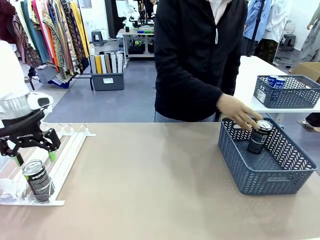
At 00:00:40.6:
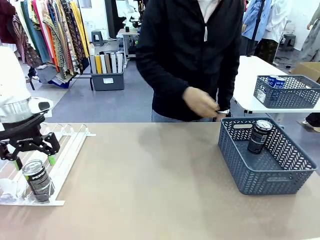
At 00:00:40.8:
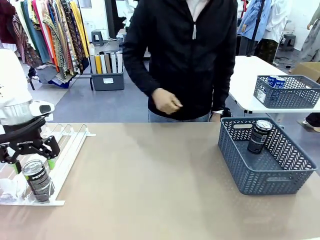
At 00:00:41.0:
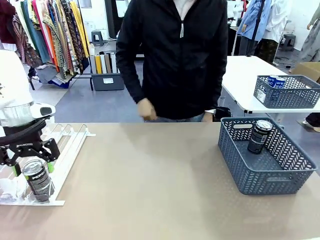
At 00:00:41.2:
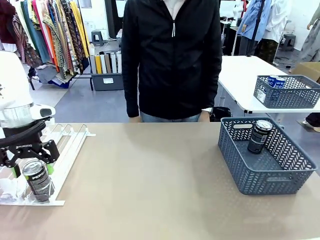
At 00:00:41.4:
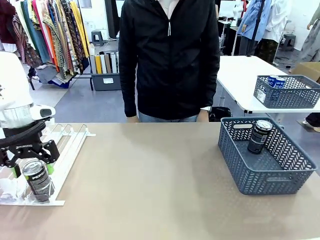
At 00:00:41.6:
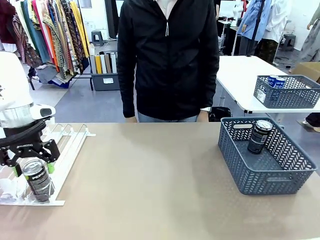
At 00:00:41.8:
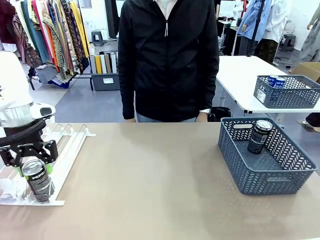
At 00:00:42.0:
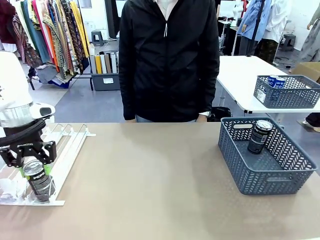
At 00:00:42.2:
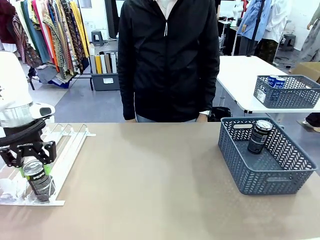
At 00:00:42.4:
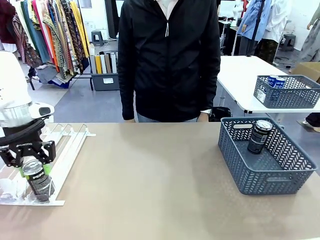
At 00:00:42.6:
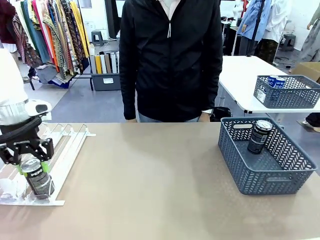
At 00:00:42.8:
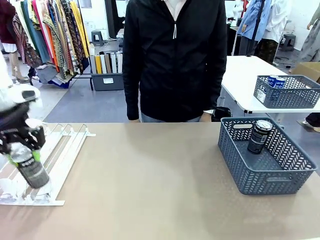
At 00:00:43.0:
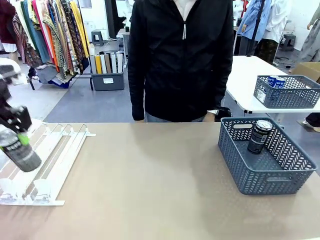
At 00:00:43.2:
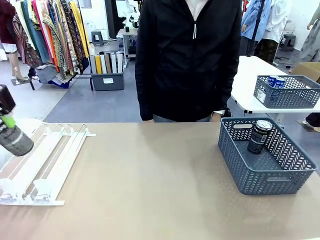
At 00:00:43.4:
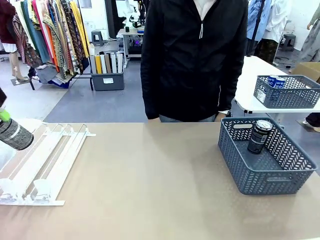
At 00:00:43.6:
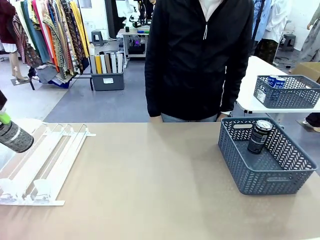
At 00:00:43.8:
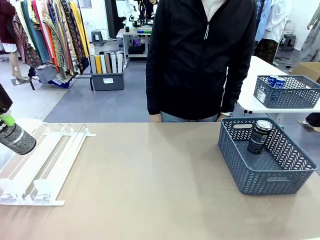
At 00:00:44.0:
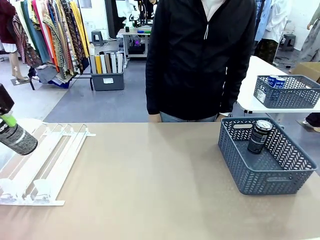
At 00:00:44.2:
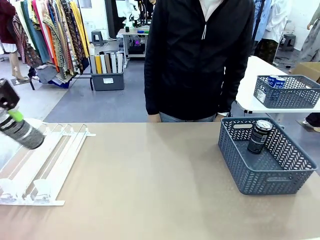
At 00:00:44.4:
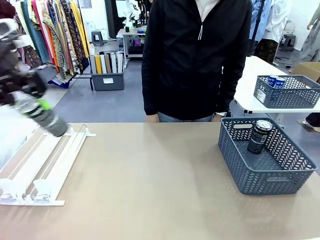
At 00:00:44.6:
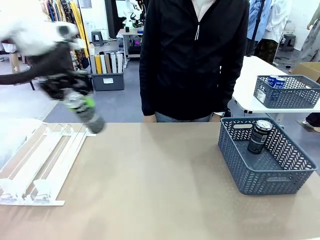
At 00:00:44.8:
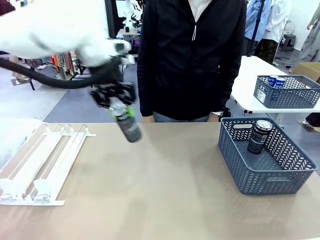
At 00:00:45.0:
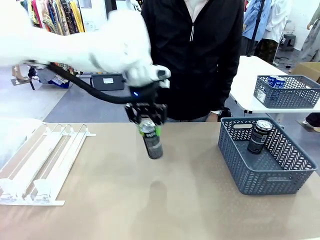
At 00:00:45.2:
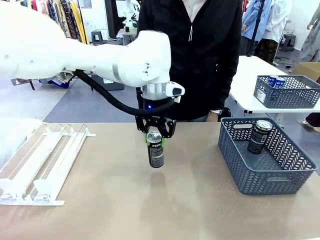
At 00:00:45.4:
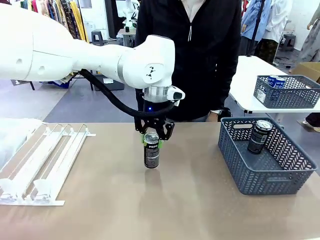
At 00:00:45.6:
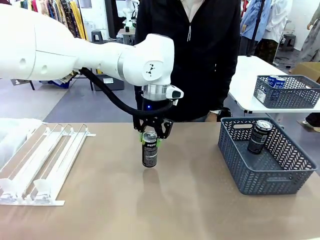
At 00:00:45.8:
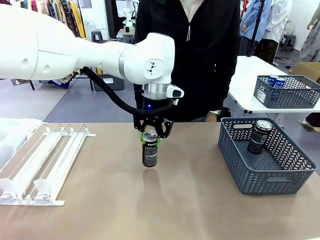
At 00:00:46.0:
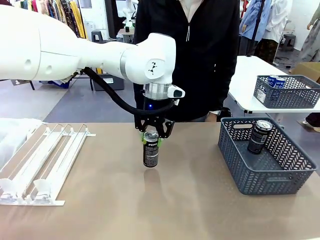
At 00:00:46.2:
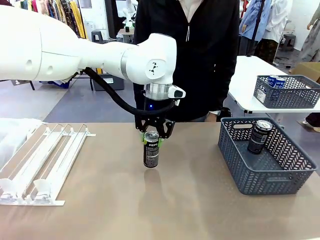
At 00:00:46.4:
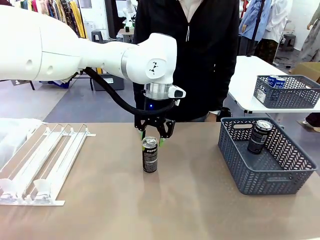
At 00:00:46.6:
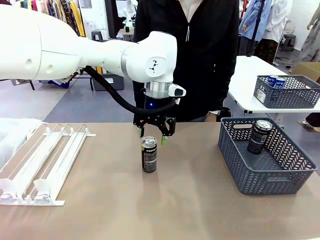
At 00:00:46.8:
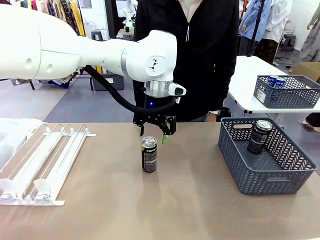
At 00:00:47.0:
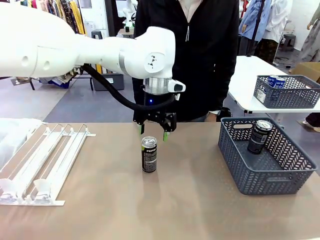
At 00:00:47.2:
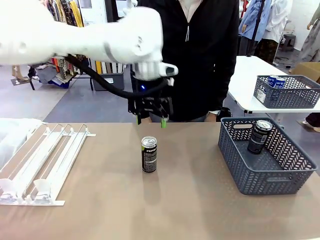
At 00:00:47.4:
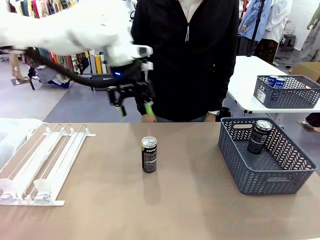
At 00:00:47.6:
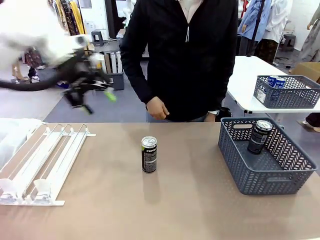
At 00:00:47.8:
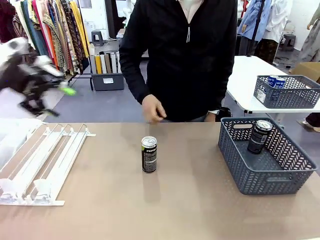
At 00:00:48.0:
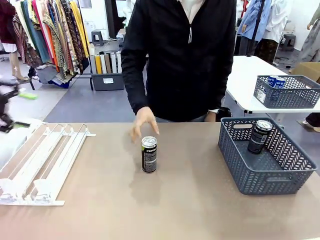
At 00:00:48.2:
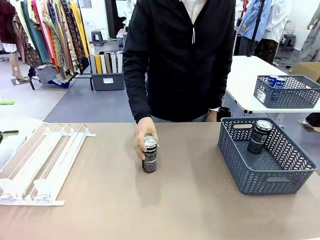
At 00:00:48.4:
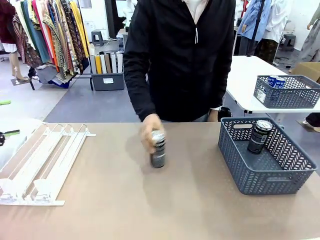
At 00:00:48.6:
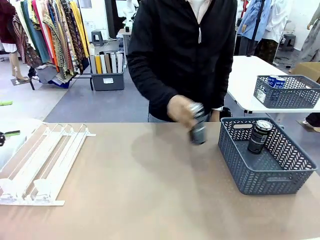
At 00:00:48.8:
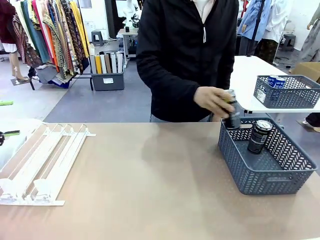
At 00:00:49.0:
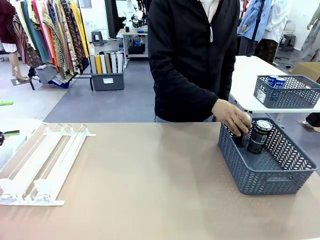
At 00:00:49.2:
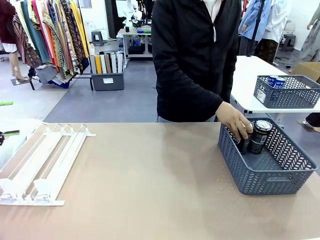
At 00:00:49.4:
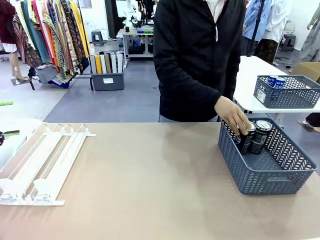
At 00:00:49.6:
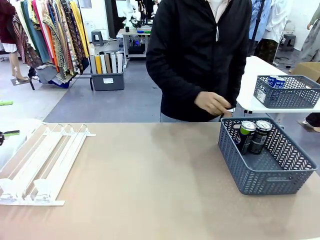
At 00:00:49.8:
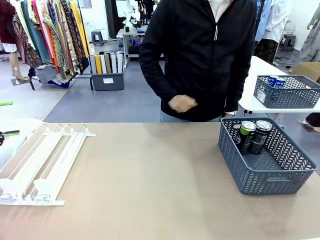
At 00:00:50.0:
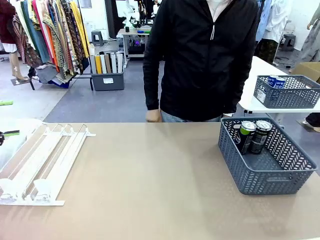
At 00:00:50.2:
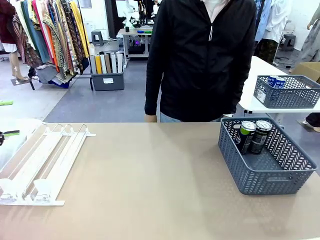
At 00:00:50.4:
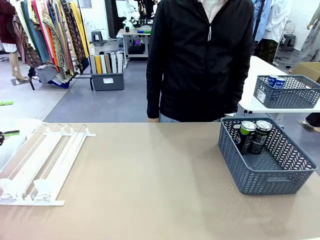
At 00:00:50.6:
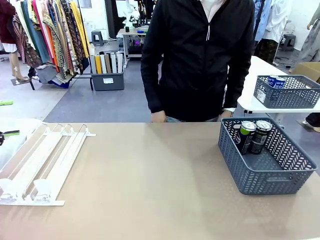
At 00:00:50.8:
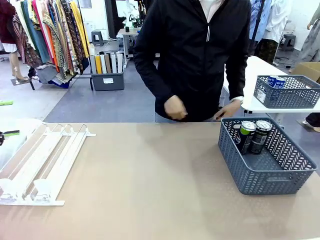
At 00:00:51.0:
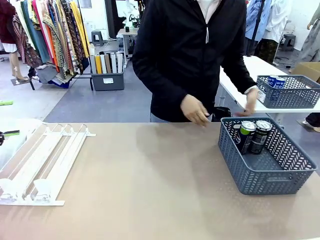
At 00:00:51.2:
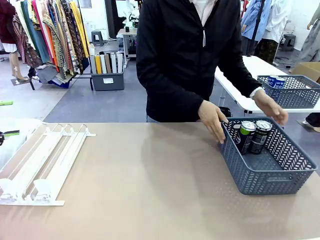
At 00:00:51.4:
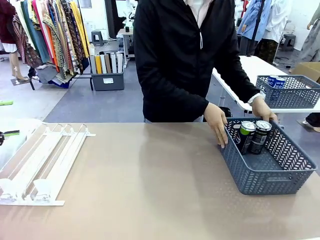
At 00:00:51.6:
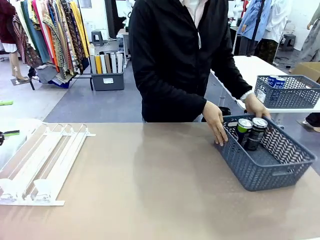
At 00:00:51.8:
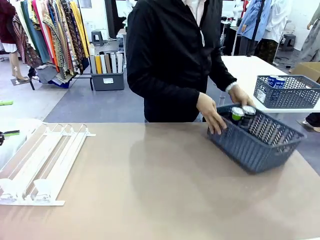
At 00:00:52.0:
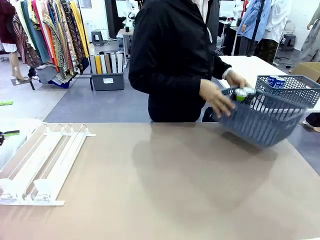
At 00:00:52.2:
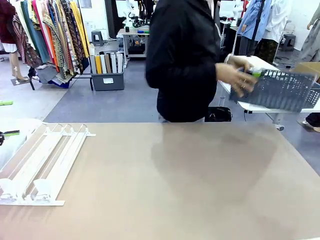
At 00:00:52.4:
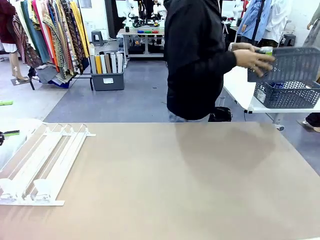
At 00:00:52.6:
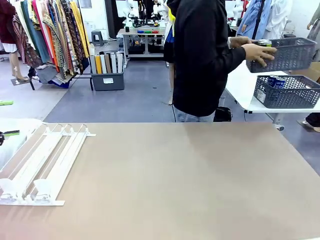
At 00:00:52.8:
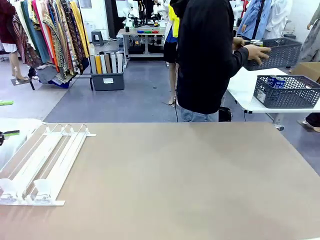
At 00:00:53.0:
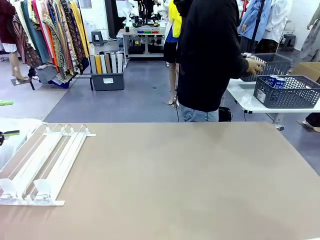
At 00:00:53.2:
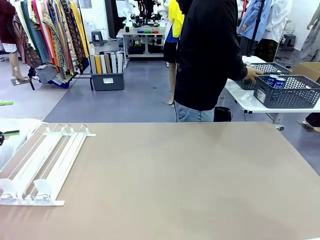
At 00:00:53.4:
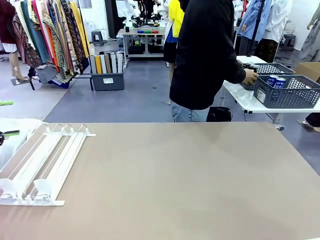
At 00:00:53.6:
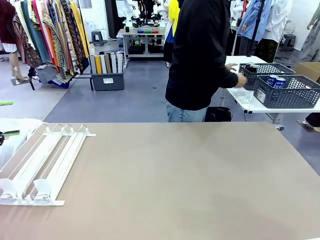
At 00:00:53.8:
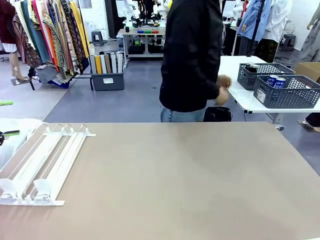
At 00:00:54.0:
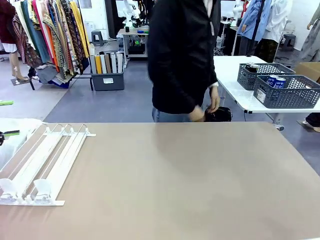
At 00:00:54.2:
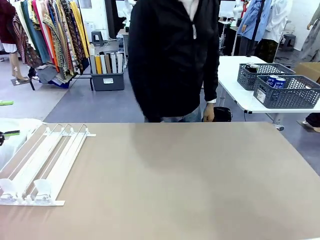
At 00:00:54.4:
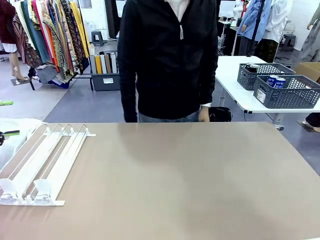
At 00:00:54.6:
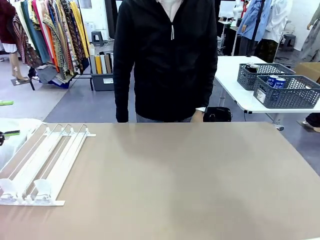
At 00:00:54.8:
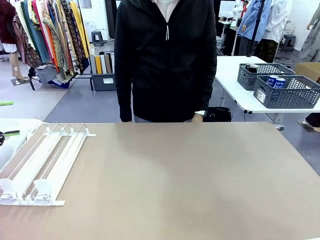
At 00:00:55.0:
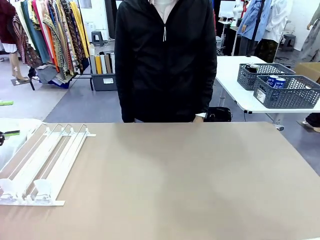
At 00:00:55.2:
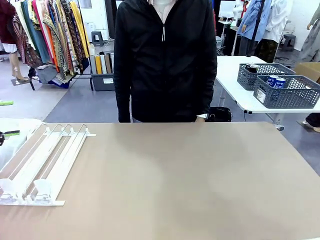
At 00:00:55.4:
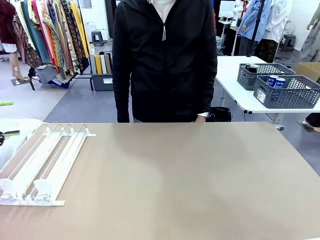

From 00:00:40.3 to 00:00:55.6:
Task: Retrieve and store the cans from the dispenser.
Robot: Pick up one can from the Automatic Can Dispenser and place it in the middle of the table.
Person: Pick up one sports drink can from the middle of the robot table and place it in the basket. Pick up the basket and place it in the middle of the human table.

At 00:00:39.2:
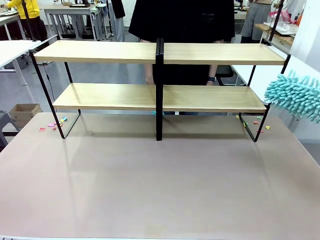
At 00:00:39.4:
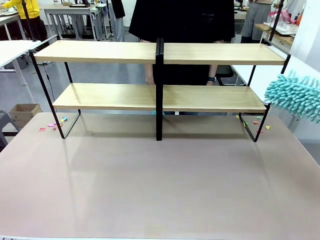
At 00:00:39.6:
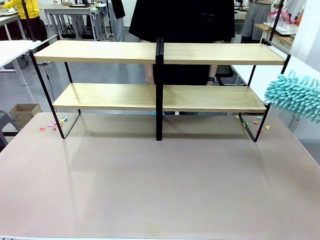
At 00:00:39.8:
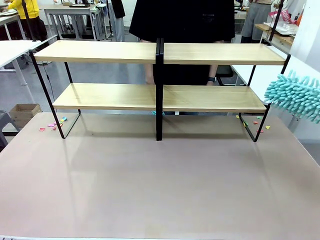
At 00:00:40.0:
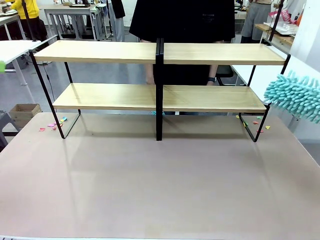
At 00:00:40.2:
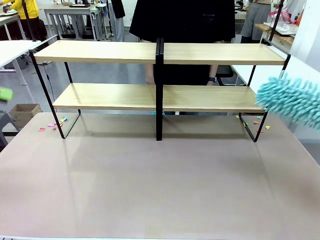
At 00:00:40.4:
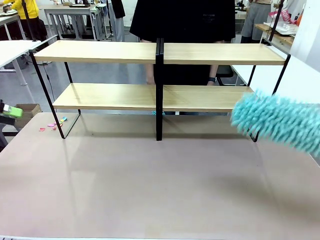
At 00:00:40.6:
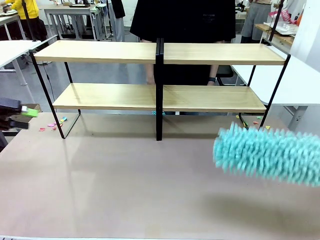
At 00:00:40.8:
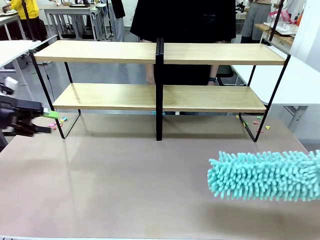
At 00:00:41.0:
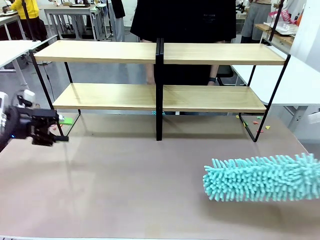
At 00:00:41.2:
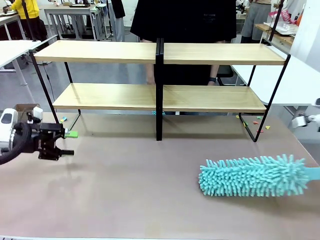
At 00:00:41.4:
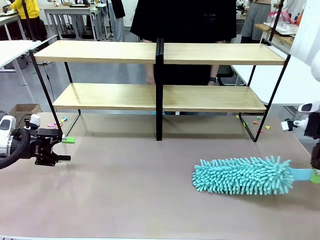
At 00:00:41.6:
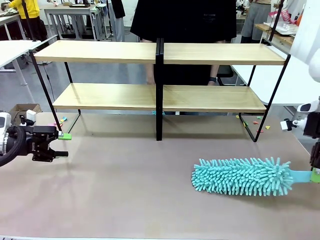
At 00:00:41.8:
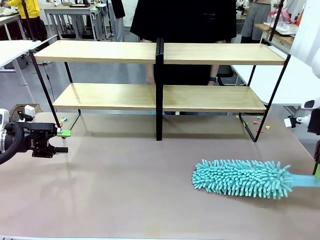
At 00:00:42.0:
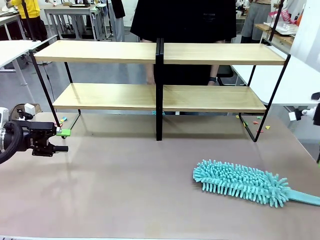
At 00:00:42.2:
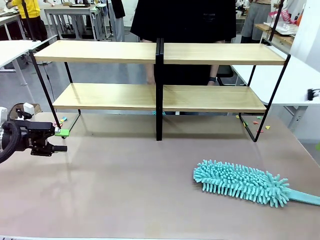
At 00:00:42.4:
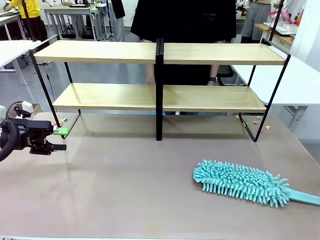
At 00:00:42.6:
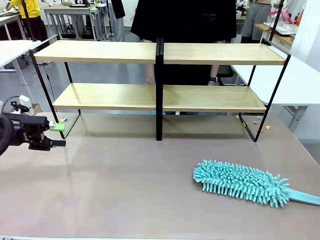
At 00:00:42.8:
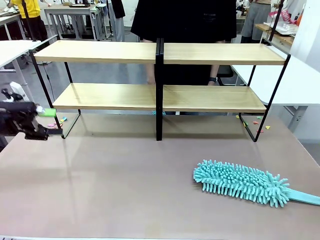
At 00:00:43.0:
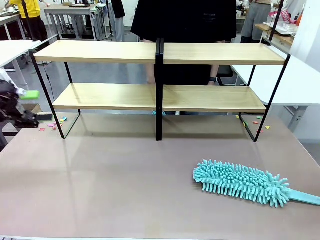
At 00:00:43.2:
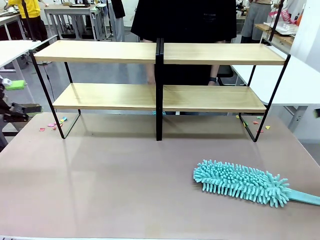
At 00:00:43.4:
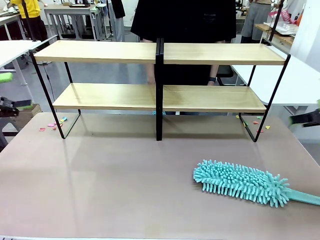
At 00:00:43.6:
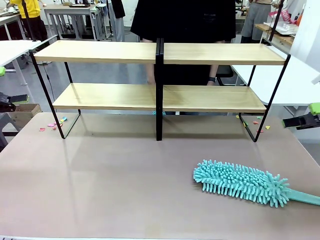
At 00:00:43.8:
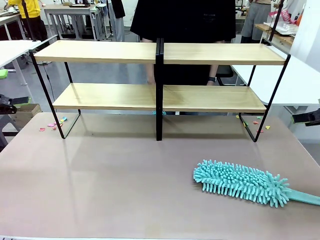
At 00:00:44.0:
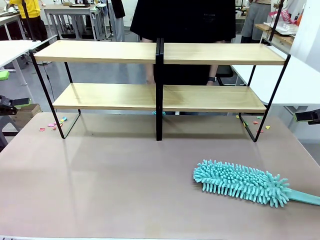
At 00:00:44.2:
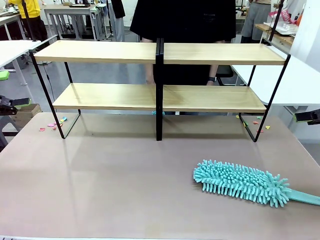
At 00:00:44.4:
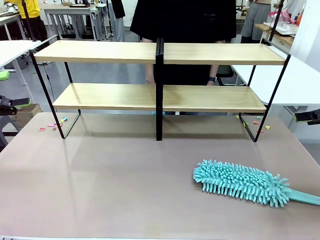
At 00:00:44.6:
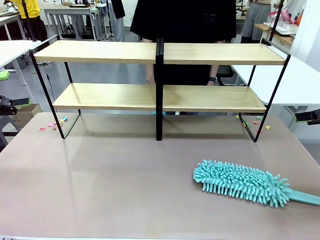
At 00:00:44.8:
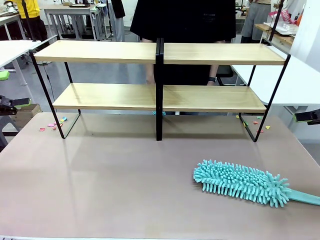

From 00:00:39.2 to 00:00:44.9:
Task: Clean the shelves.
Robot: Place the Duster on the table.
